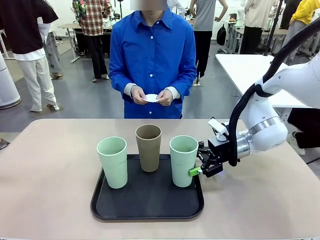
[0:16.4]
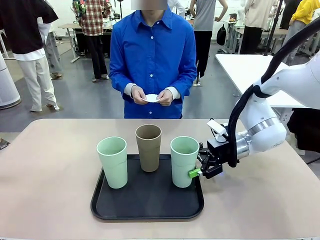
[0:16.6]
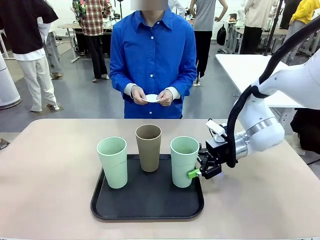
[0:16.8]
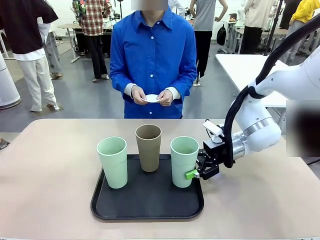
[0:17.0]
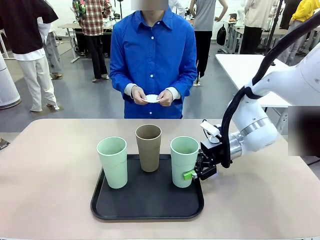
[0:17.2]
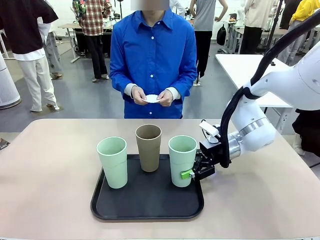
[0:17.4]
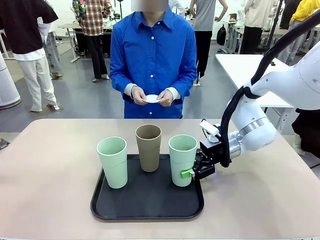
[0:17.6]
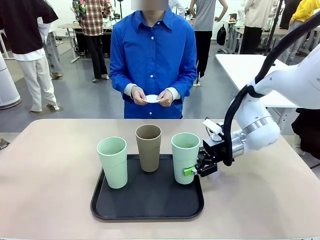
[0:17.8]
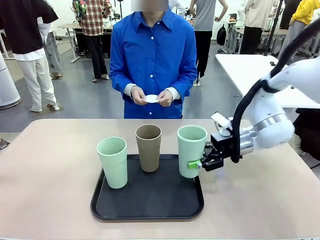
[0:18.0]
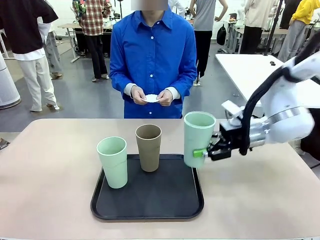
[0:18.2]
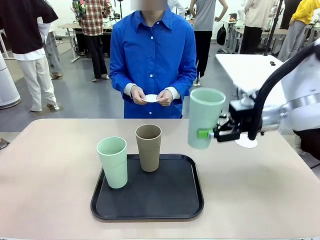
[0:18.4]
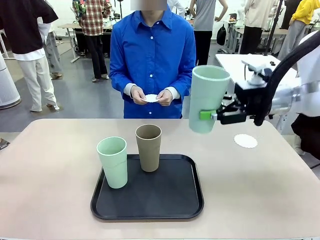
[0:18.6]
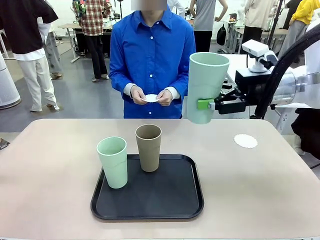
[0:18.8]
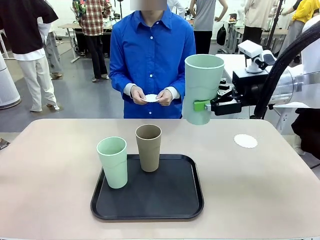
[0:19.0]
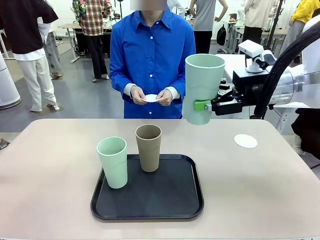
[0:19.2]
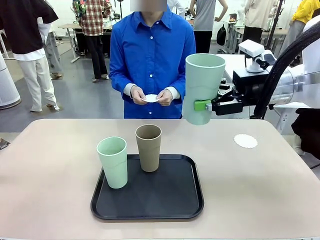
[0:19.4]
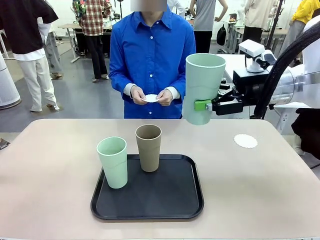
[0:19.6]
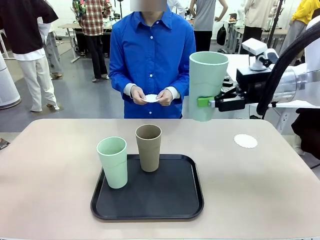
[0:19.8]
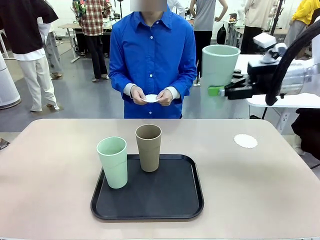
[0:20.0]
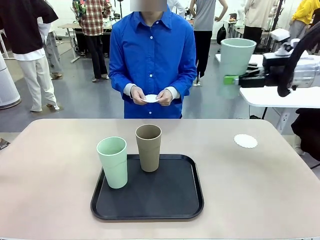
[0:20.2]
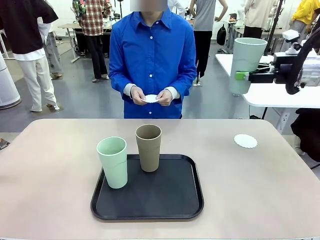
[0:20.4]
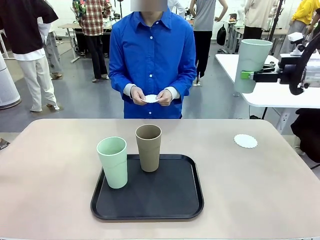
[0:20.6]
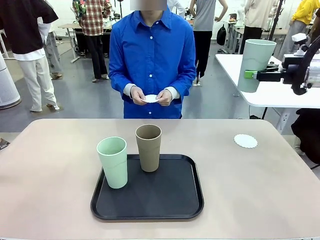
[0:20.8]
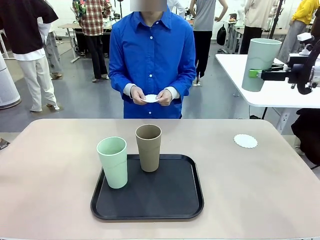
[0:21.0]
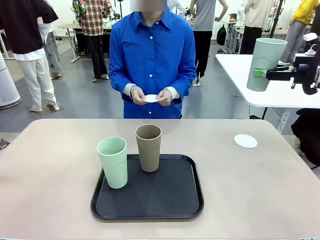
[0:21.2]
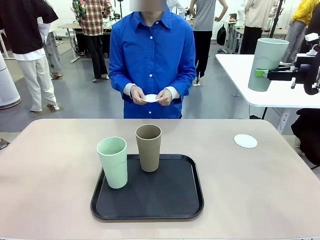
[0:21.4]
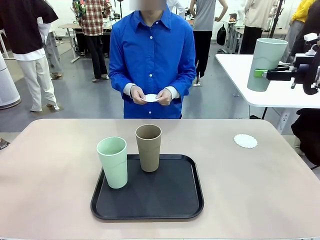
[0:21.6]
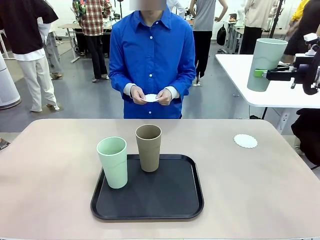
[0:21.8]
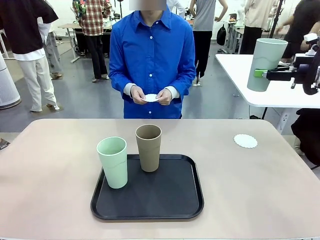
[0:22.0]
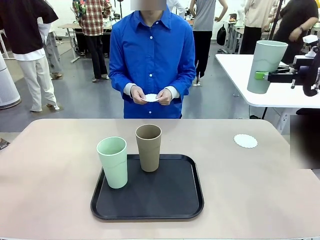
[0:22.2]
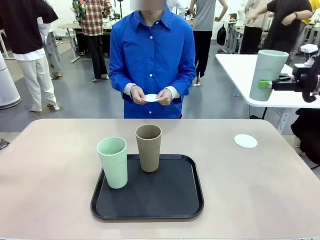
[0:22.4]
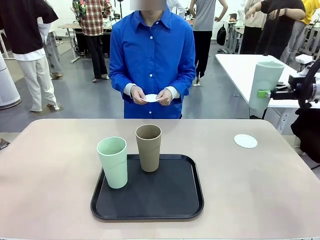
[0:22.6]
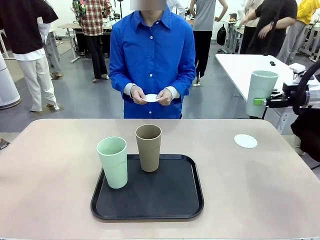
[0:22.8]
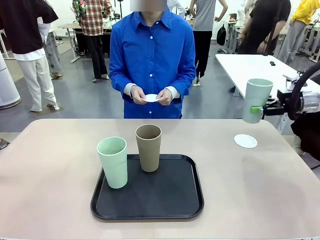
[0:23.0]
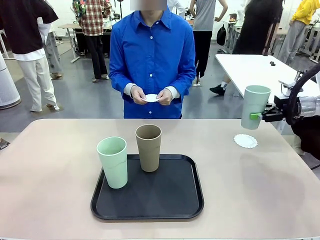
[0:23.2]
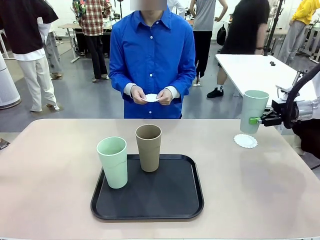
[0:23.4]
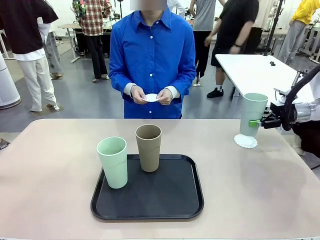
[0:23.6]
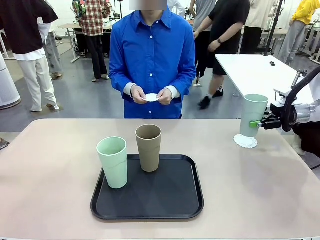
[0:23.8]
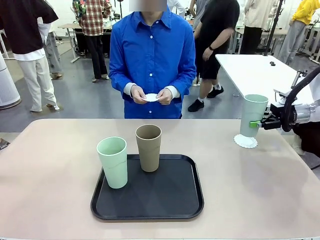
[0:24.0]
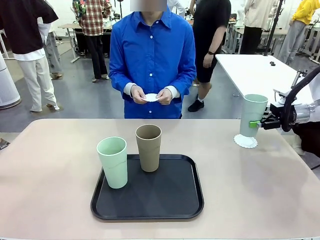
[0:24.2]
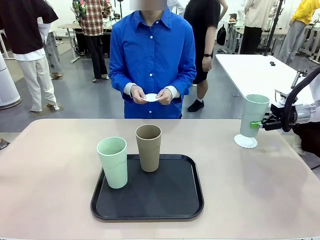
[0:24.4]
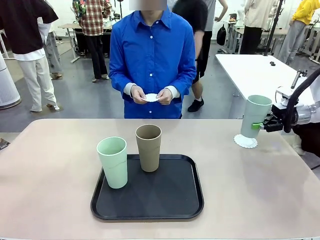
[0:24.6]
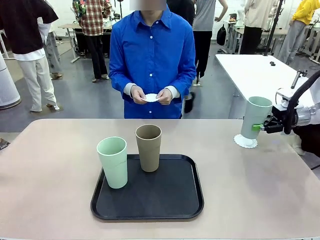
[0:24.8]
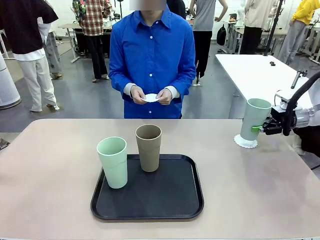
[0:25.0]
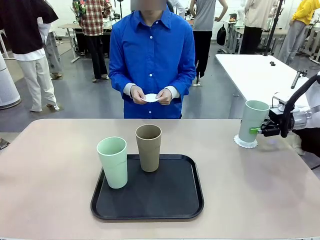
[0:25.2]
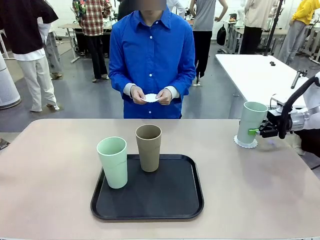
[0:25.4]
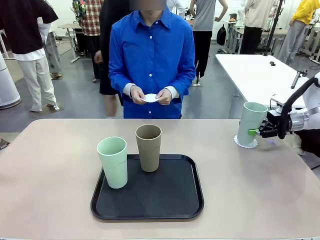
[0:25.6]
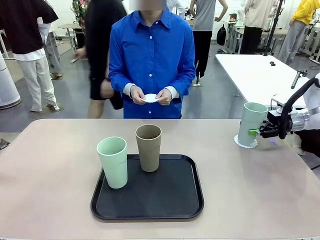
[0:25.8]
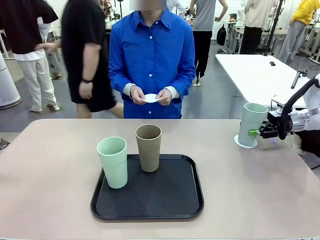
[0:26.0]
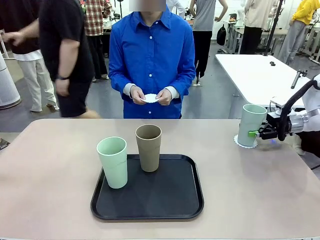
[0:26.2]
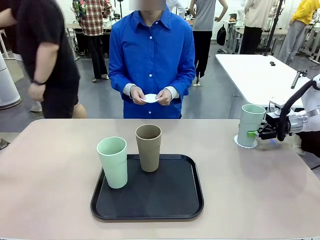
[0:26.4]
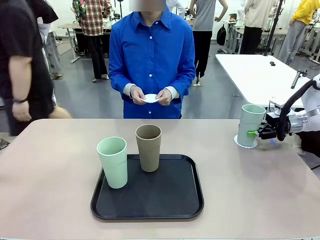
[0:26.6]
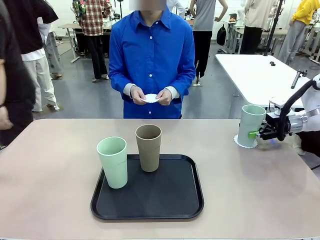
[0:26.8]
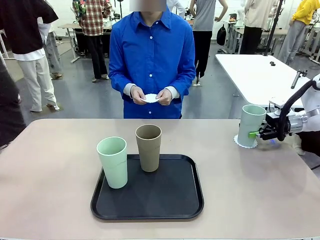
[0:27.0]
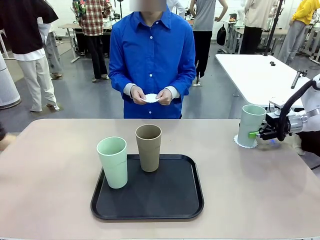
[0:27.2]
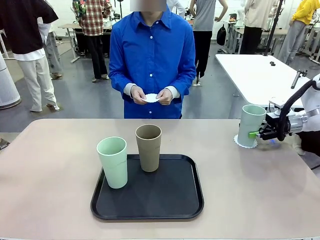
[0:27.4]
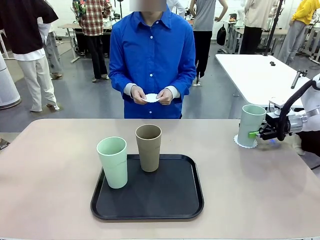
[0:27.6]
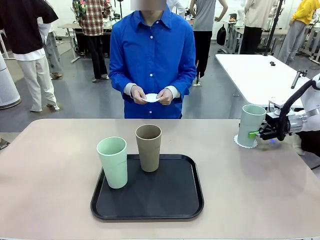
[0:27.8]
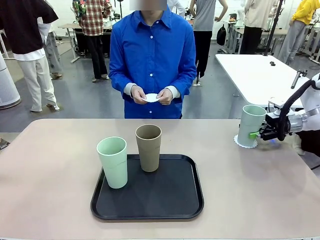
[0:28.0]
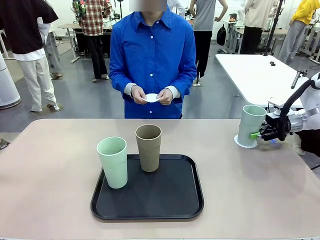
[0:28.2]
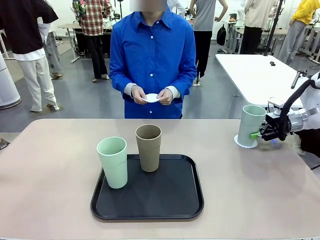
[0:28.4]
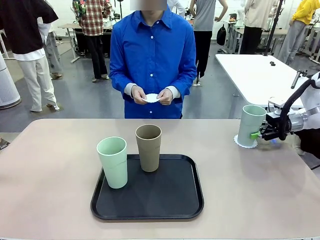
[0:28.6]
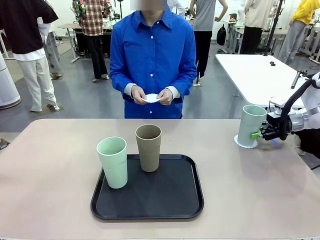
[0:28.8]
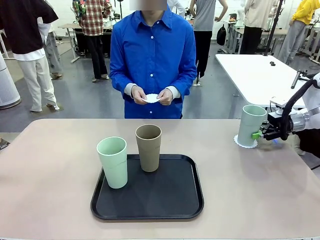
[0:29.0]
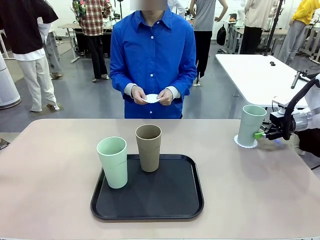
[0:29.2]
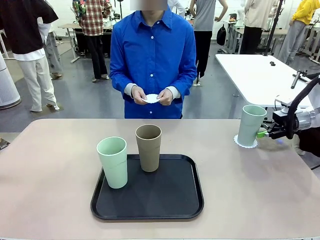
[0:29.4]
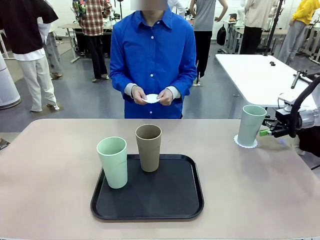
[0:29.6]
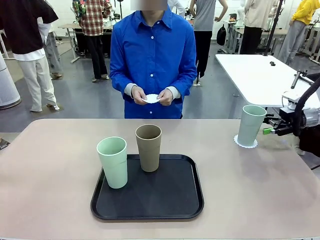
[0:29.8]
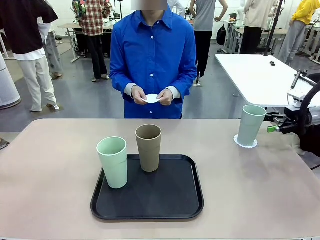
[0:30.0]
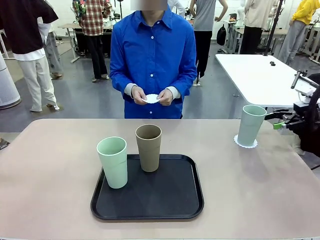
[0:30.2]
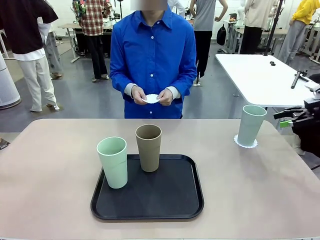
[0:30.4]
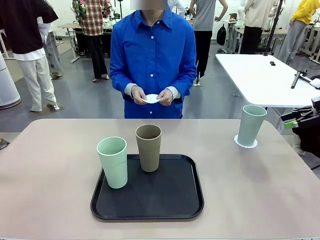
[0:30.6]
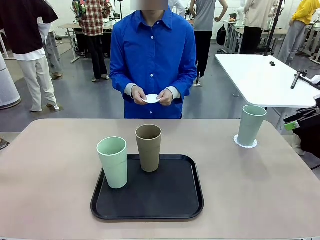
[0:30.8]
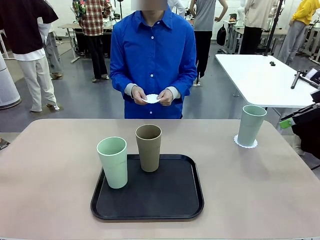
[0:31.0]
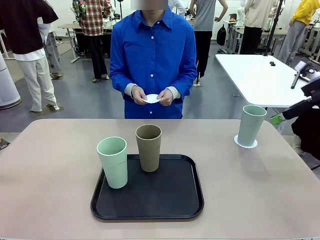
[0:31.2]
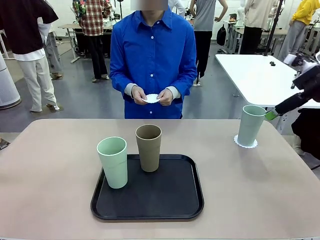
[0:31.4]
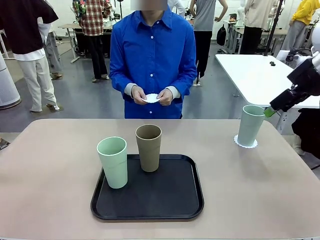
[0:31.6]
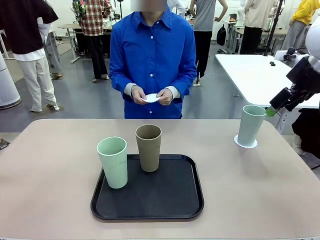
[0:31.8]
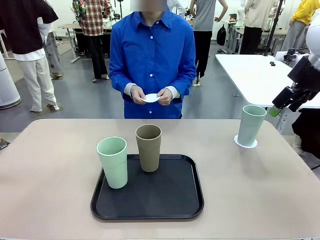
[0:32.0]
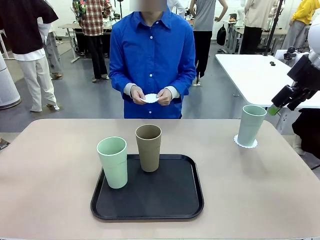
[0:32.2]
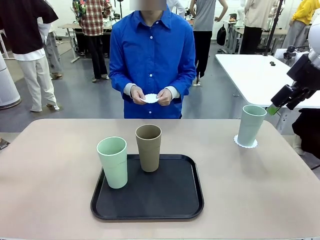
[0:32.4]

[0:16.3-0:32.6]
Task: Place coasters on the table and set cups on them.
Robot: Pick up one Reusable plastic cup and place it on a coaster set by the human.
Person: Place one coaster in one of the two areas excluding the previously selected area.
